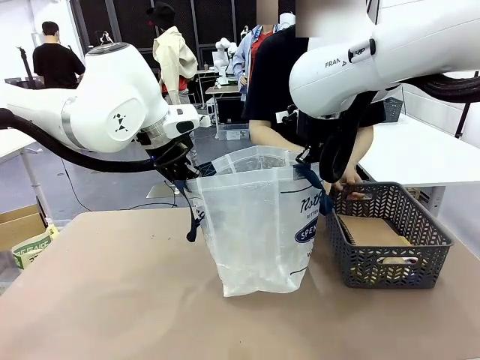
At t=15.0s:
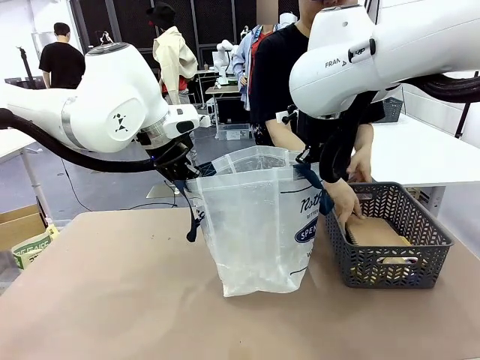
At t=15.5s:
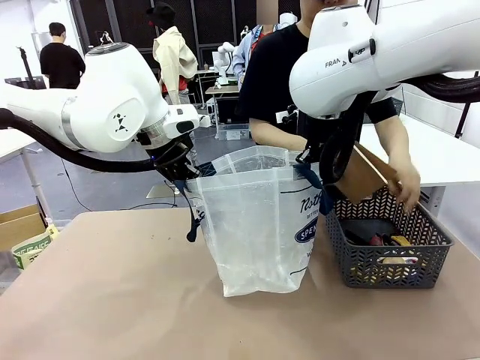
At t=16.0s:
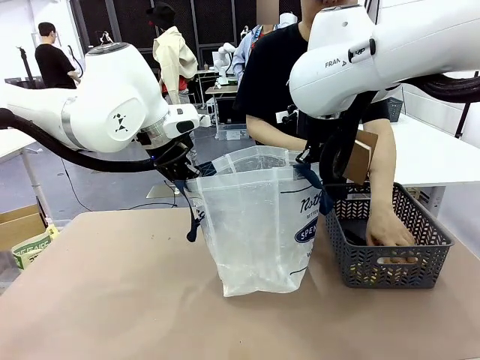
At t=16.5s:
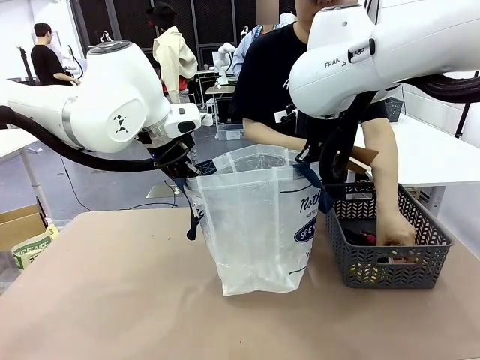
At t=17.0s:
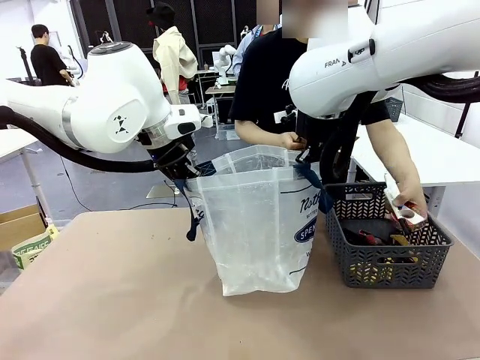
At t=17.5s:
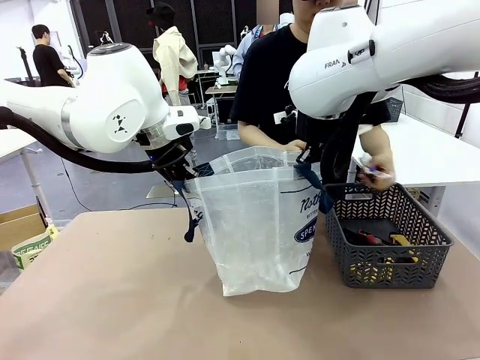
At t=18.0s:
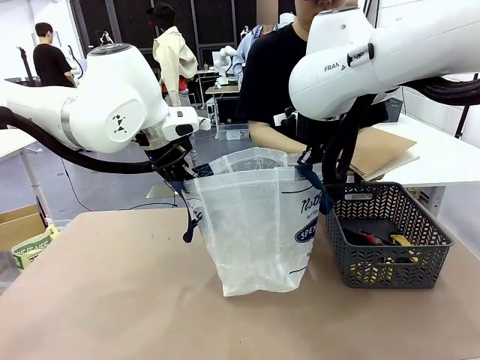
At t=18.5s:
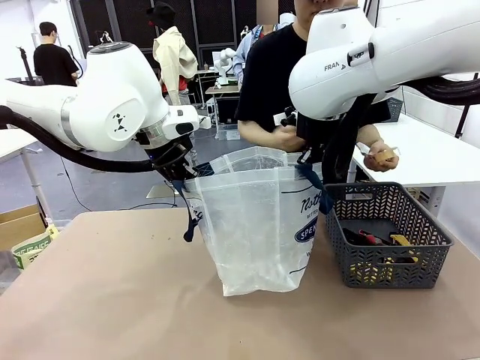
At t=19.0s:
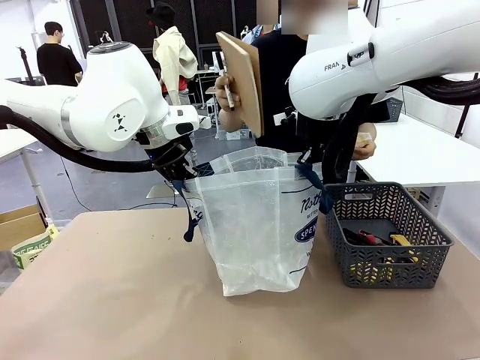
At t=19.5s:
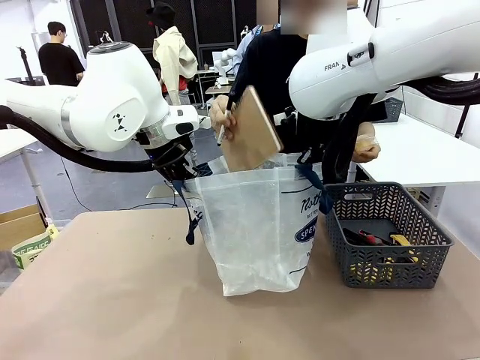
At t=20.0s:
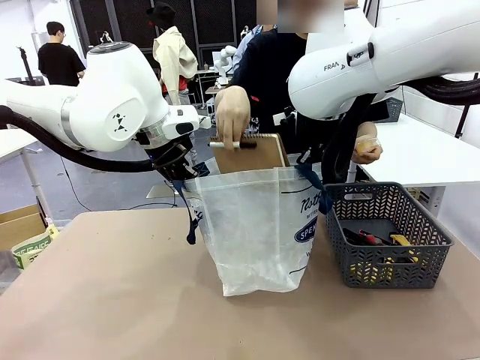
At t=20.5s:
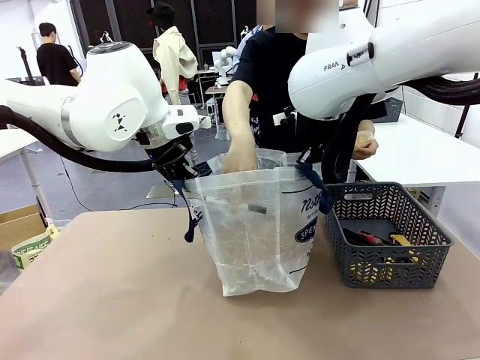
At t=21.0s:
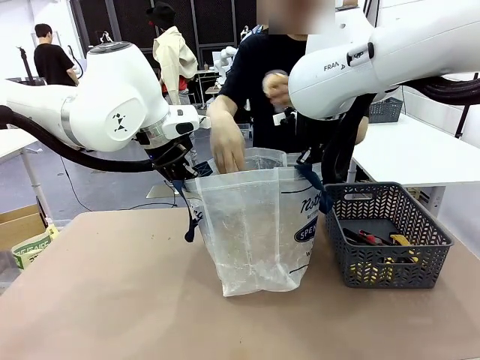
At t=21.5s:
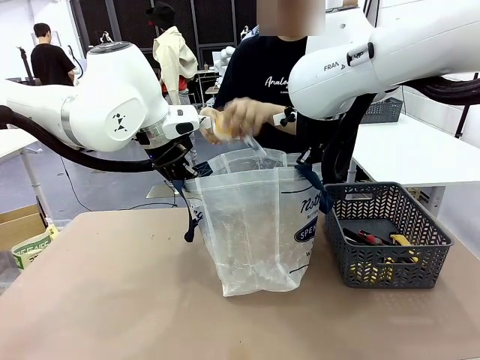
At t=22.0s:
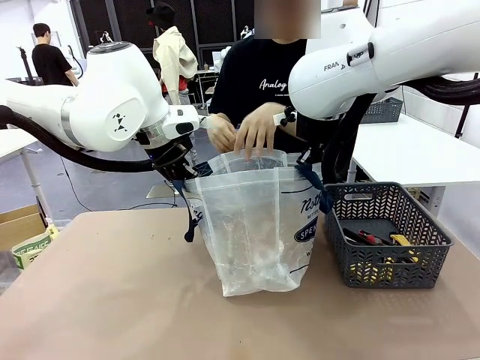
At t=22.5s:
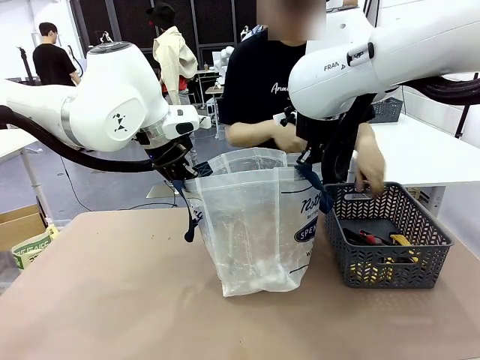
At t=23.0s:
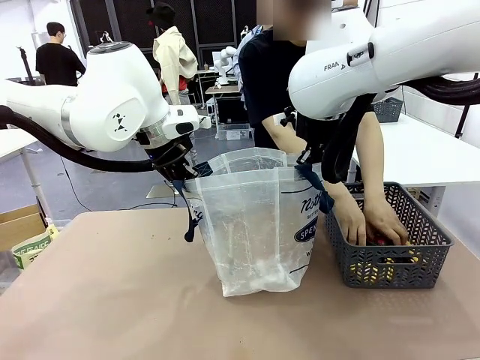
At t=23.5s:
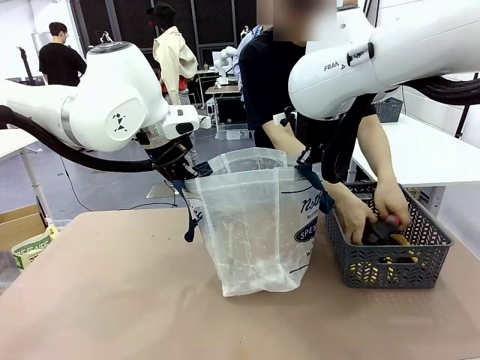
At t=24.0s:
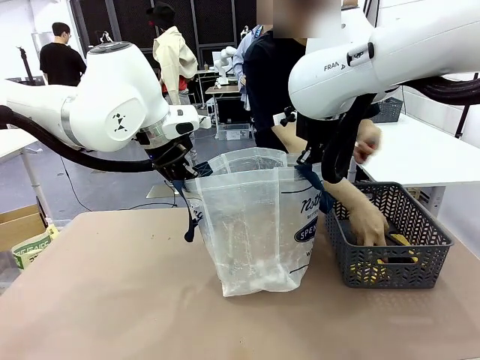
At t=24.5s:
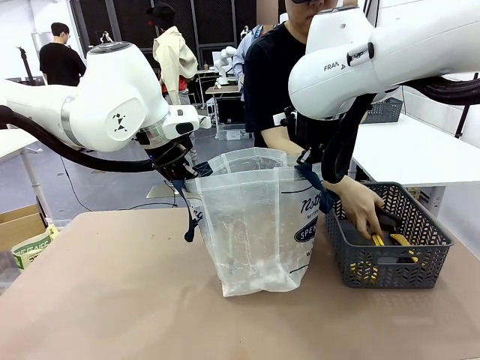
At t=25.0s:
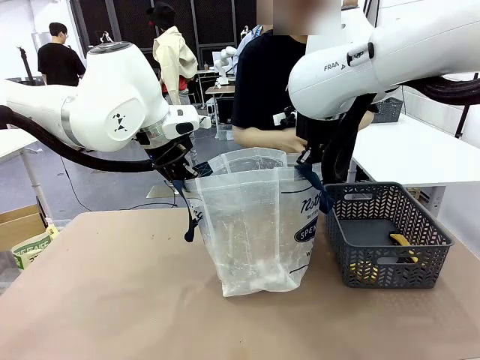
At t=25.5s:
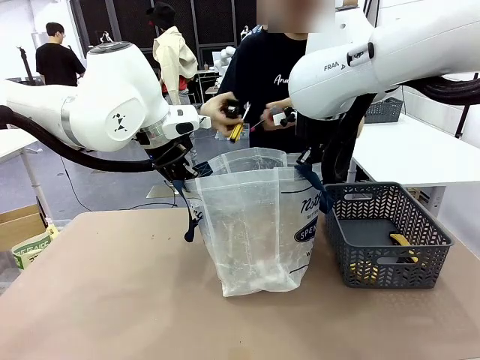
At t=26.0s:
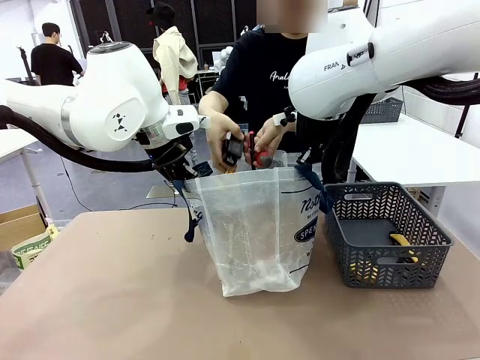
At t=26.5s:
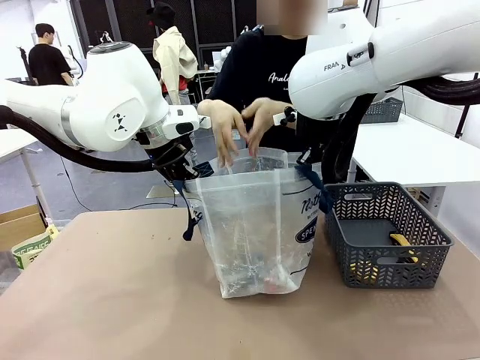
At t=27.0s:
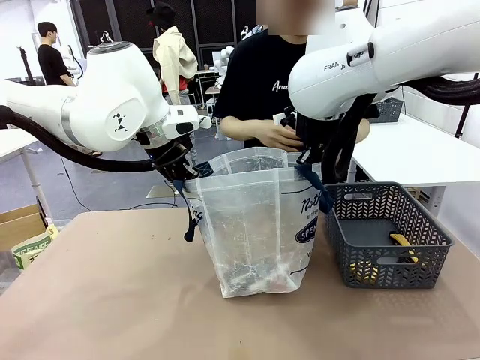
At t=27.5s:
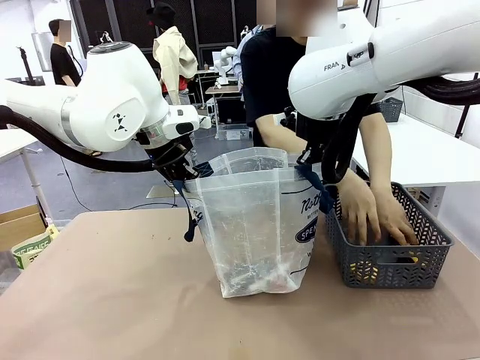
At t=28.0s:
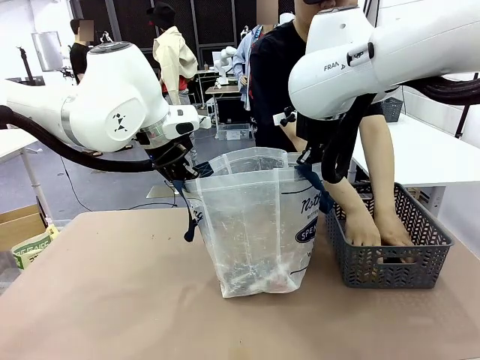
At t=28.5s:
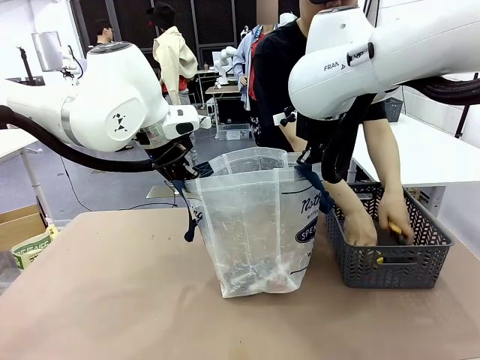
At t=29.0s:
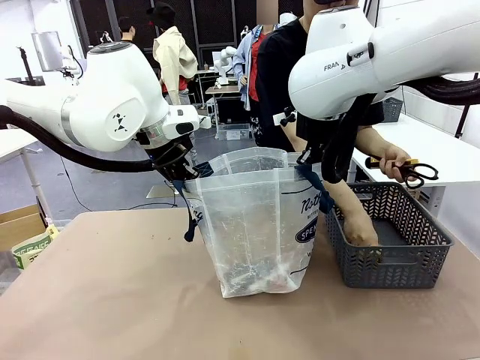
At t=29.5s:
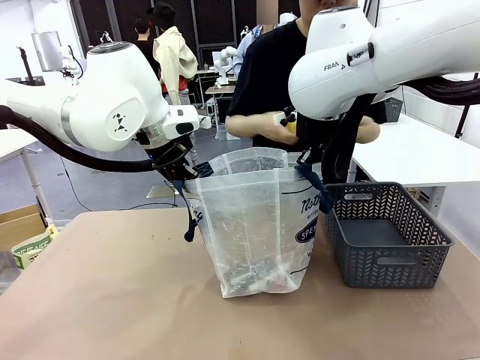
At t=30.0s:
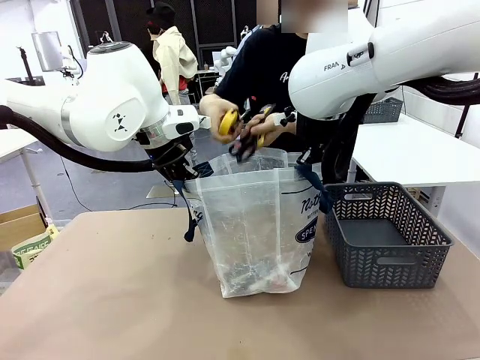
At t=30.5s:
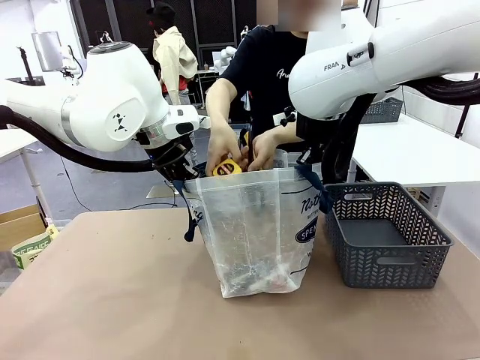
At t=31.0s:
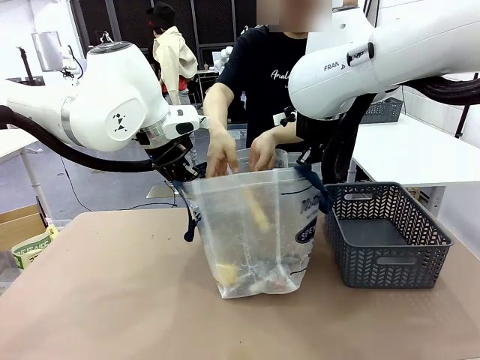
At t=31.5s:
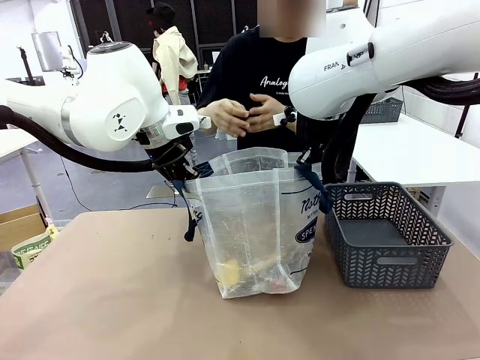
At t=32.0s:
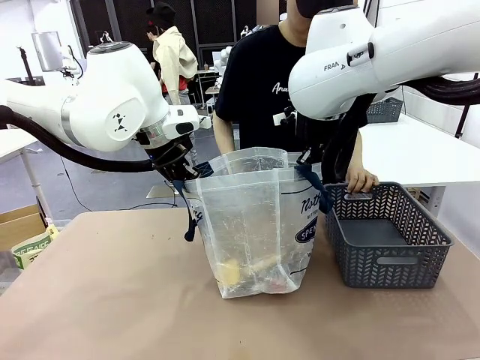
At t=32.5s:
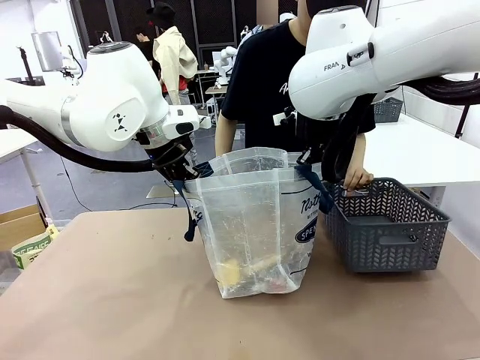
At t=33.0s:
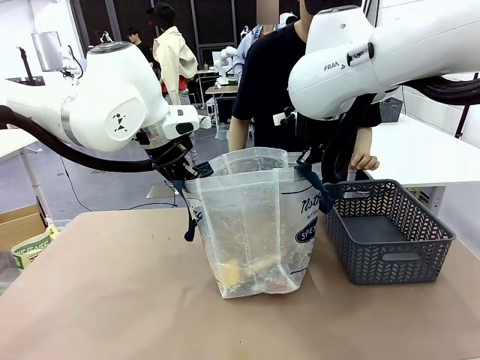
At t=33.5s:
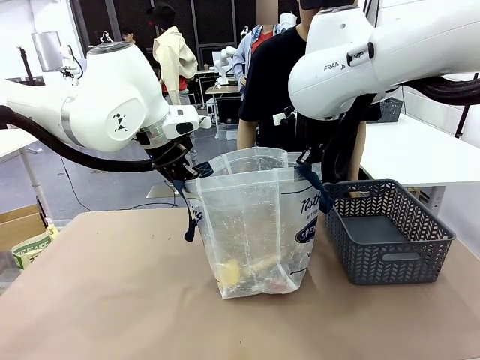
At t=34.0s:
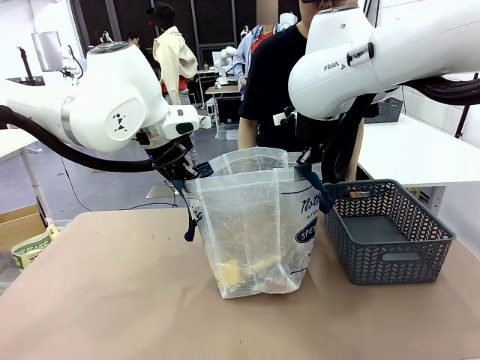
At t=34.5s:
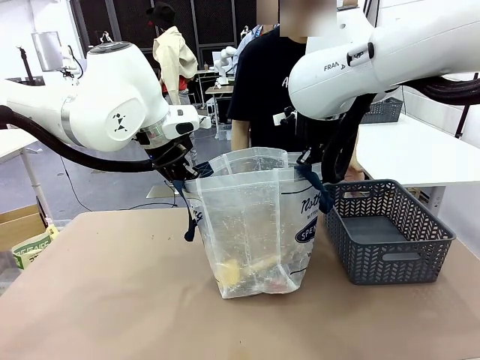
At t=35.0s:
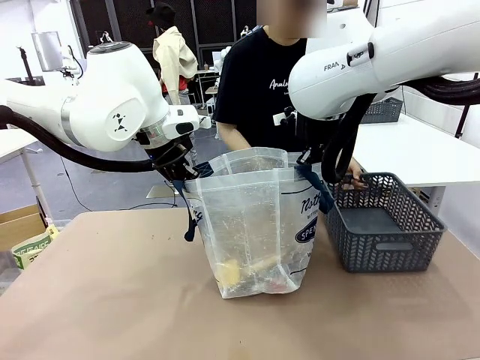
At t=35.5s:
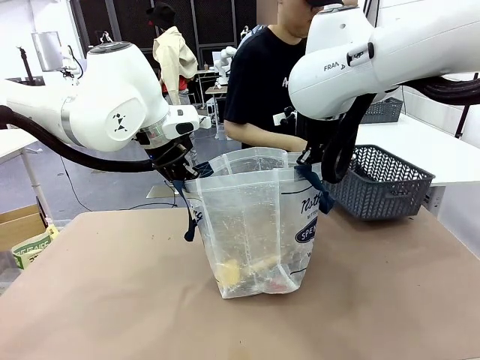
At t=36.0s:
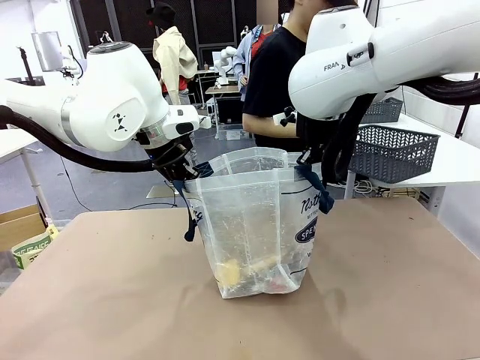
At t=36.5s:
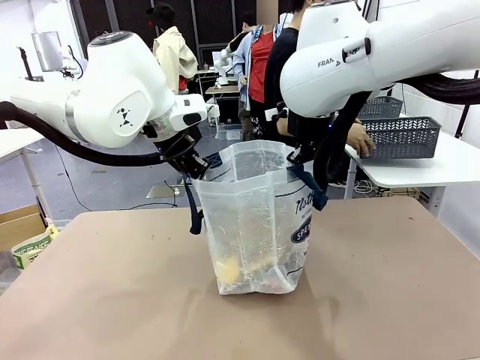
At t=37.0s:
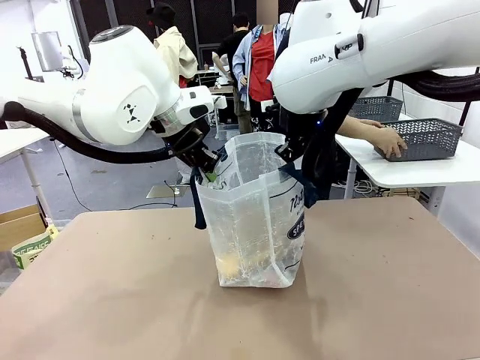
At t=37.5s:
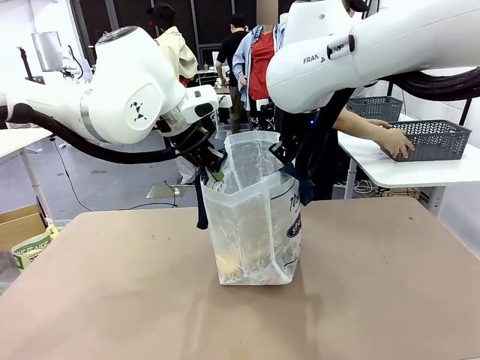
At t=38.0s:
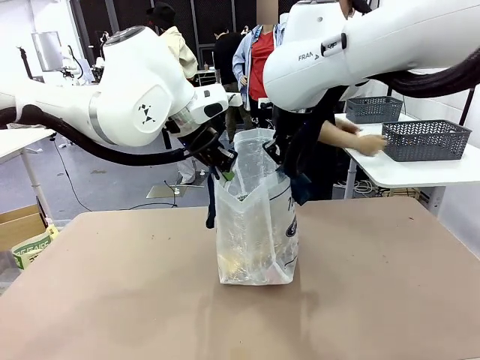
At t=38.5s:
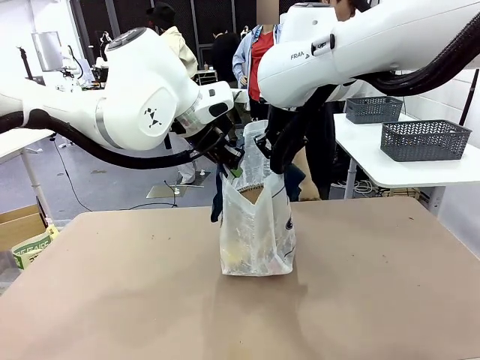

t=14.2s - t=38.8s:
Task: Transfer purchased items from the store into the shopping bag.
Robot: Move the Reusable shopping bag to the right side of the table.
Person: Pick up the basket on the right, place it on the left side of the robot table, and move the items in the basket to the shopping bag. Pick up the basket with the items out and place it on the right side of the human table.

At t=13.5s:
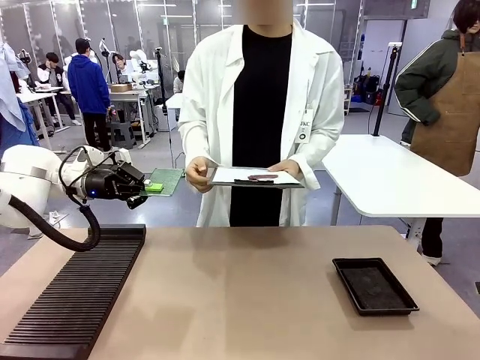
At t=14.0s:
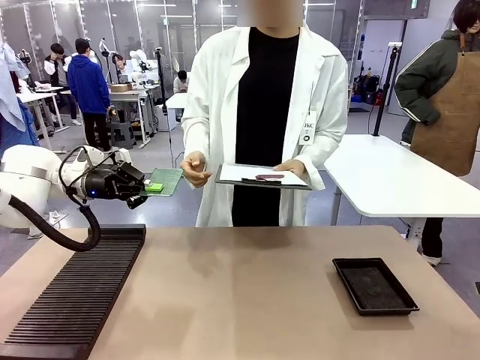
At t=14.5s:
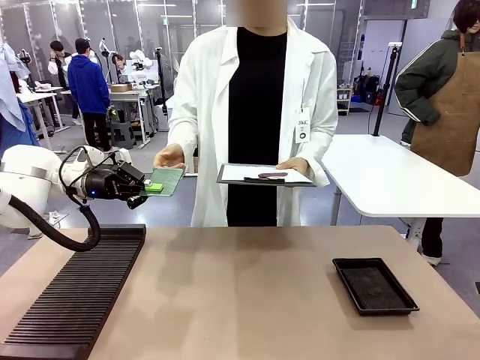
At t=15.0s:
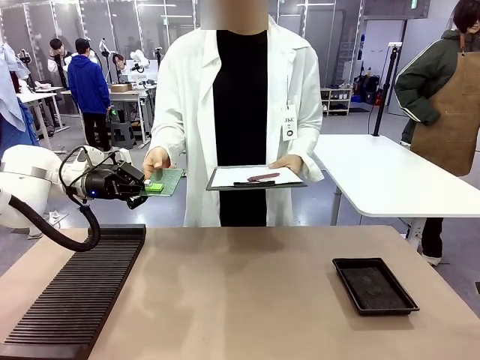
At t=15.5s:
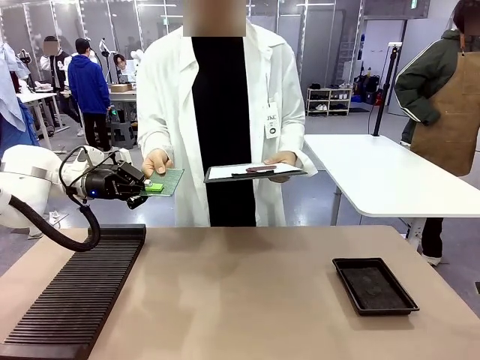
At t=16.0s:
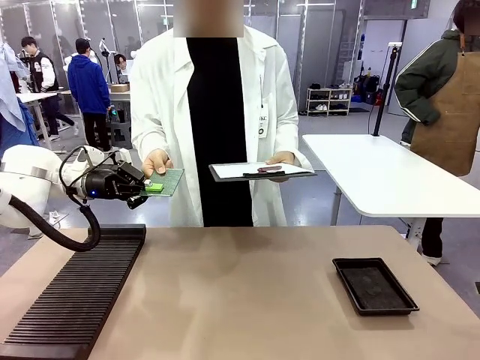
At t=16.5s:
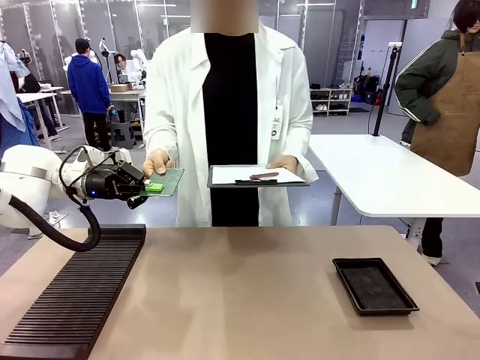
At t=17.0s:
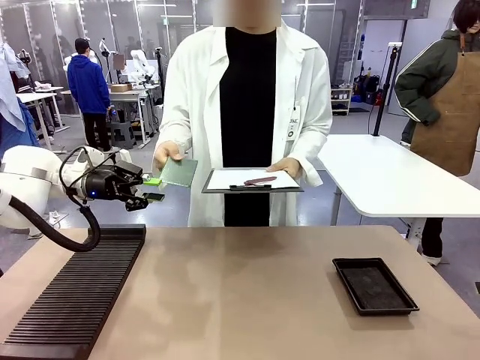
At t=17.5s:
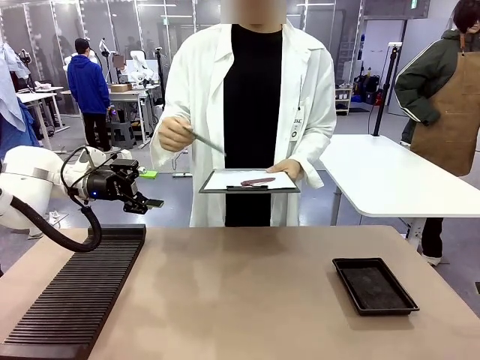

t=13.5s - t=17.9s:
Task: Inspect the PCB.
Robot: Release the Blank PCB you were holding.
